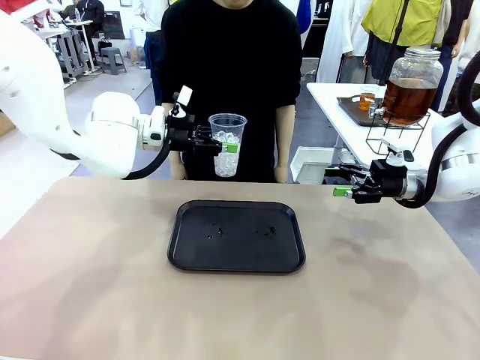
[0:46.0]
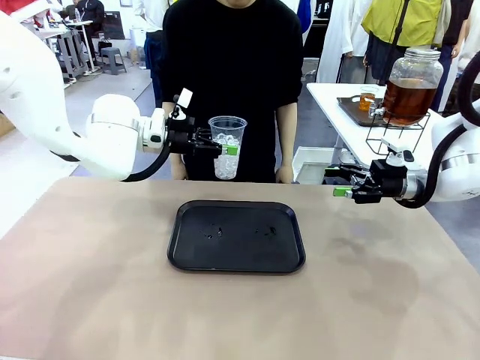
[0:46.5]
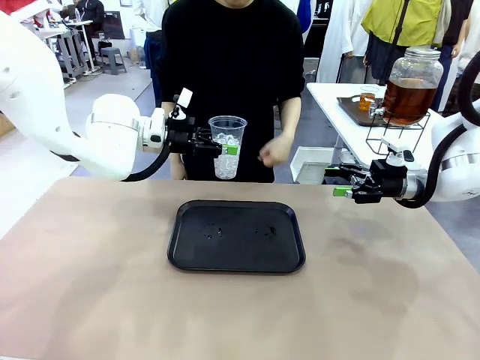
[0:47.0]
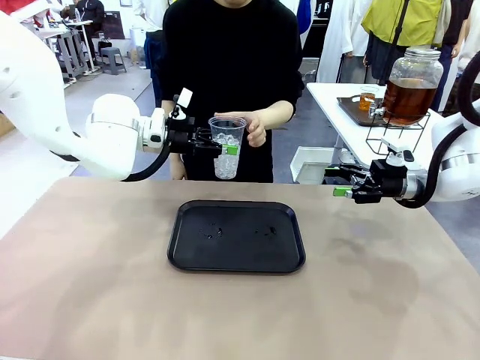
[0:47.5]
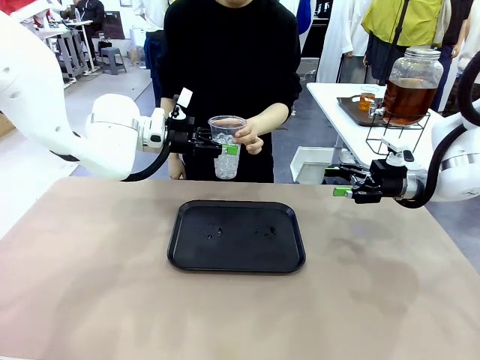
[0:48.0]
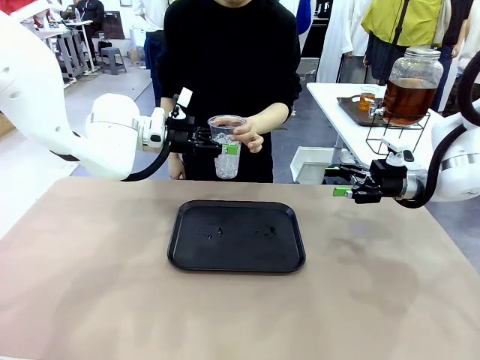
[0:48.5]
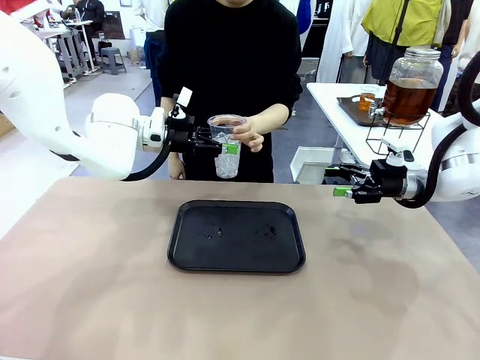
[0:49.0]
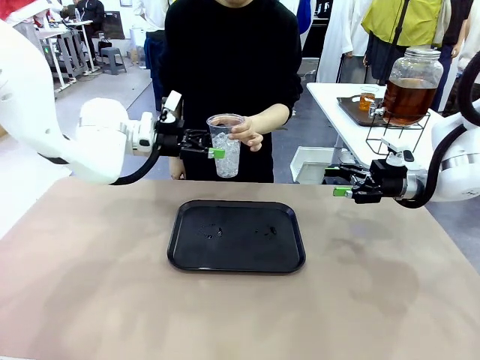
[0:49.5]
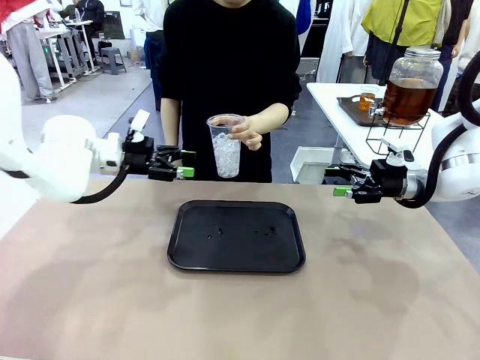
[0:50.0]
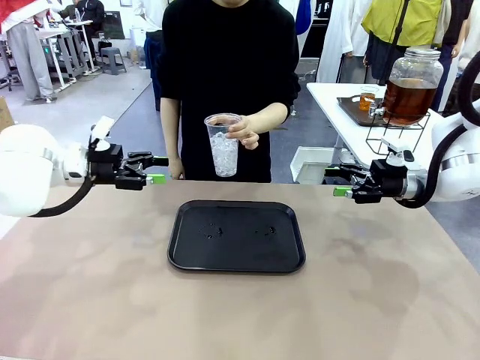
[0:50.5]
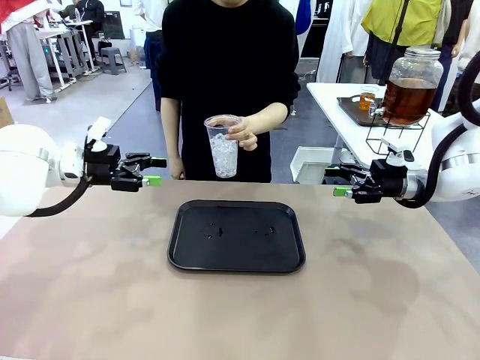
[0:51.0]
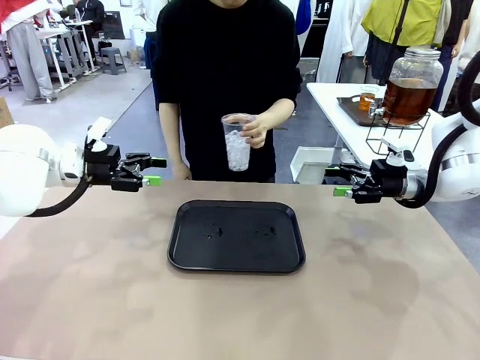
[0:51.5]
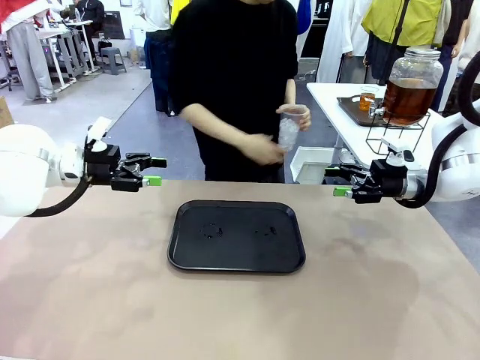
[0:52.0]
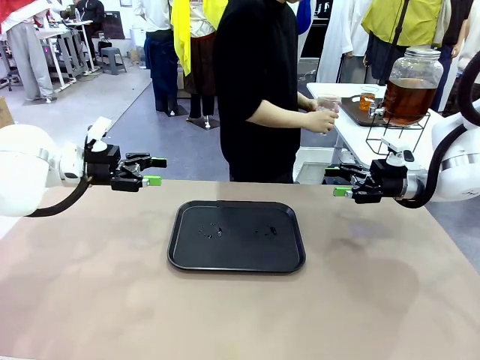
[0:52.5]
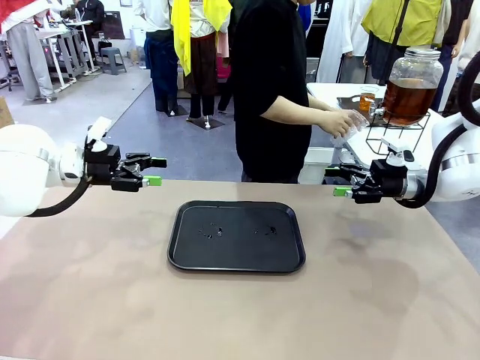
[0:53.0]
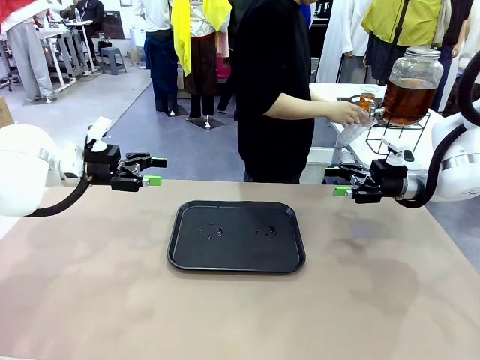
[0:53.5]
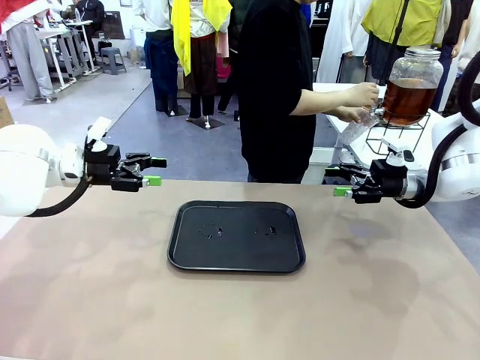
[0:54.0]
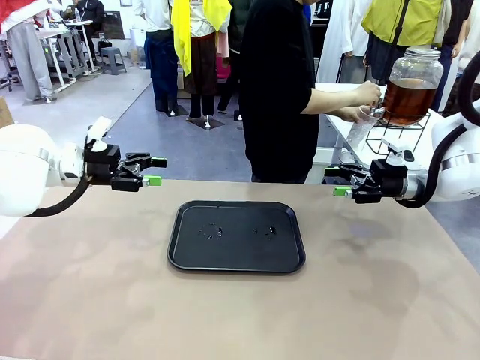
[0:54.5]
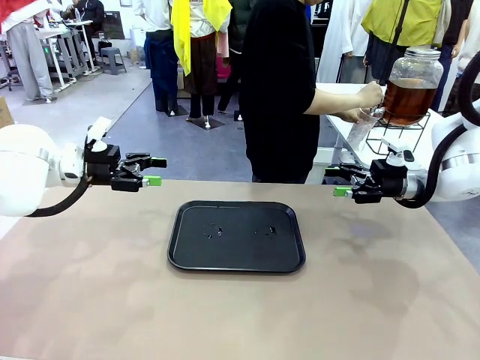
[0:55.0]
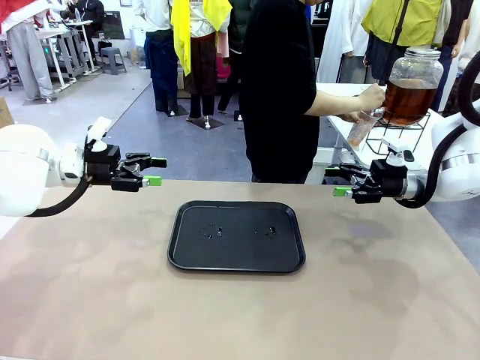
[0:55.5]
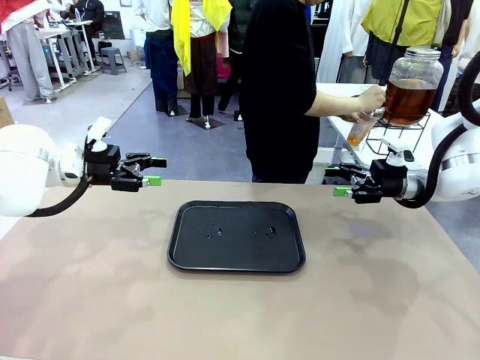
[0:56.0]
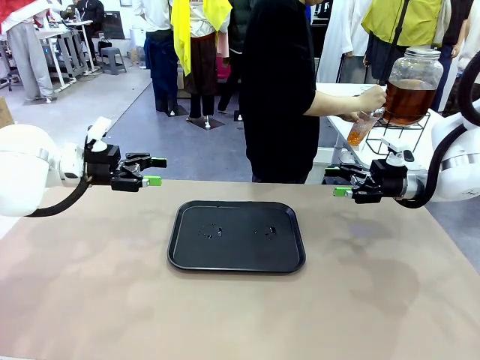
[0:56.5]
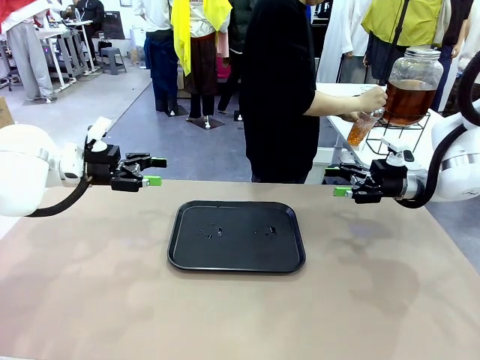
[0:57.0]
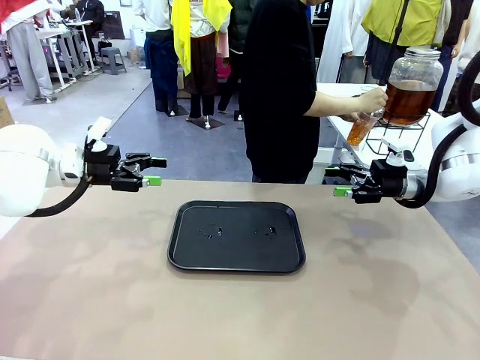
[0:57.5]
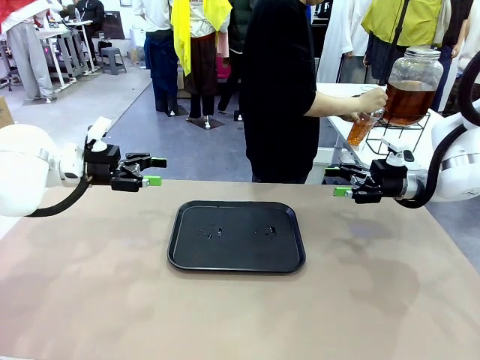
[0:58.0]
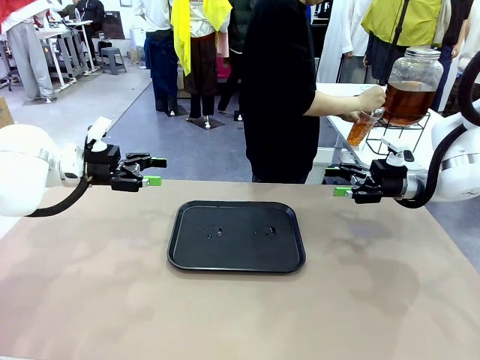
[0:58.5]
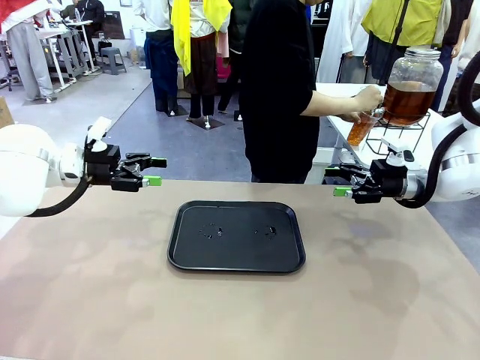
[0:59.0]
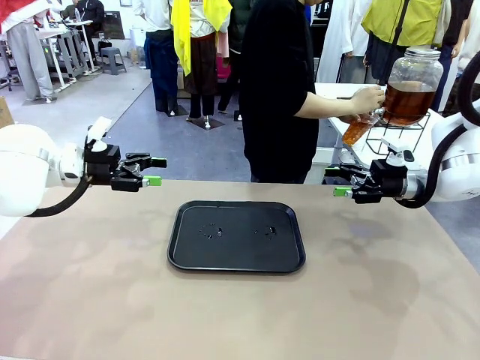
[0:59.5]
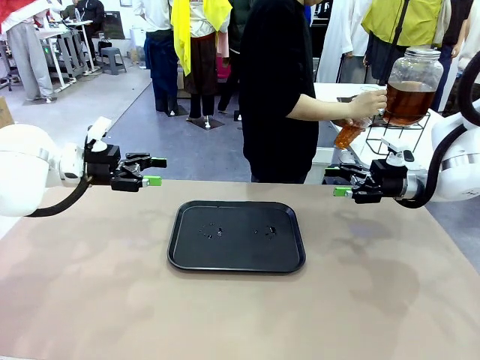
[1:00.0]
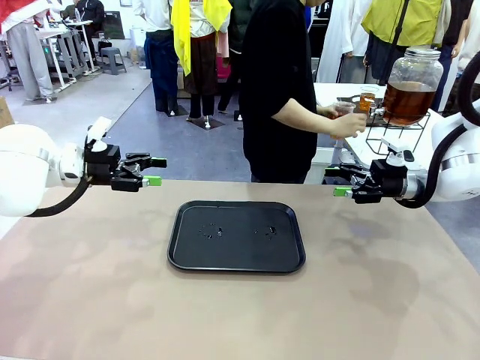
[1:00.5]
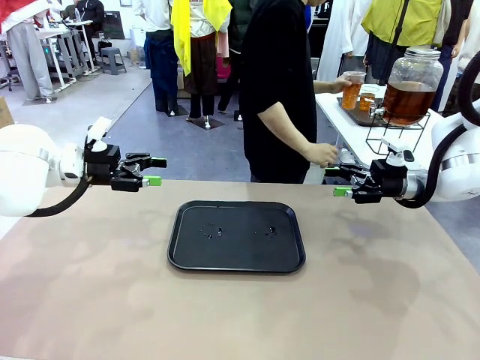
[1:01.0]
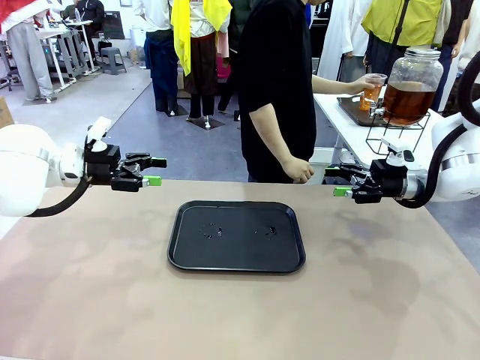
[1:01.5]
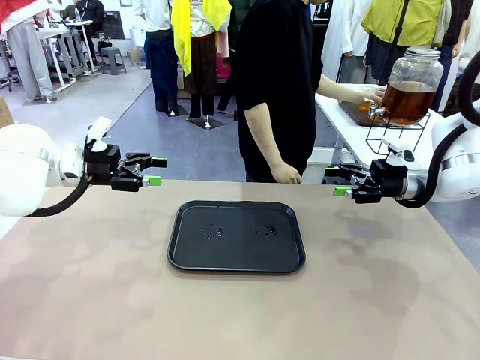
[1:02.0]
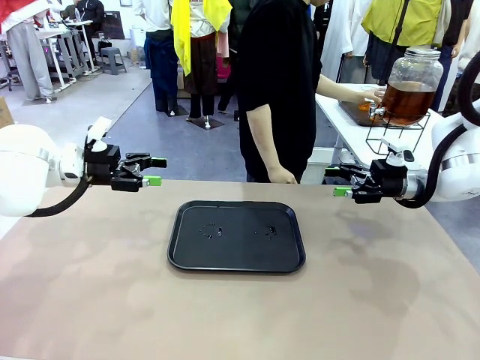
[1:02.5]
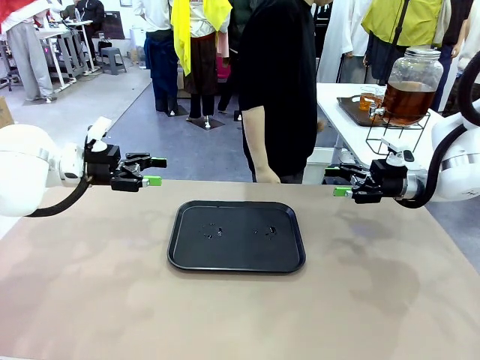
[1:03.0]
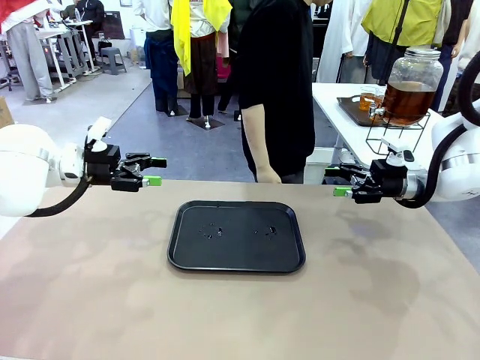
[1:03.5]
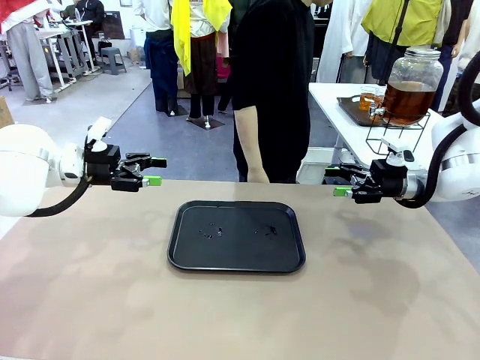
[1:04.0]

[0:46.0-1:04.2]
Task: Pour the drink into the iced cup.
Robot: Open the gripper to release the iced cup you were holding.
Person: Move the picked-up cup under the dispenser faucet, pour the drink, and place it on the tray on the human table.

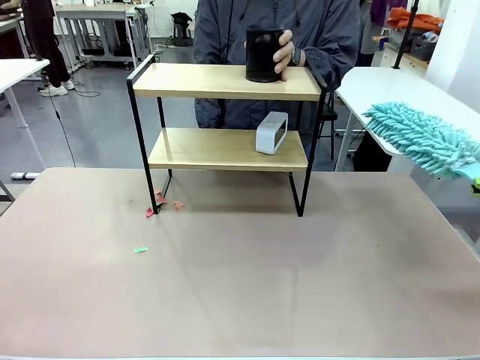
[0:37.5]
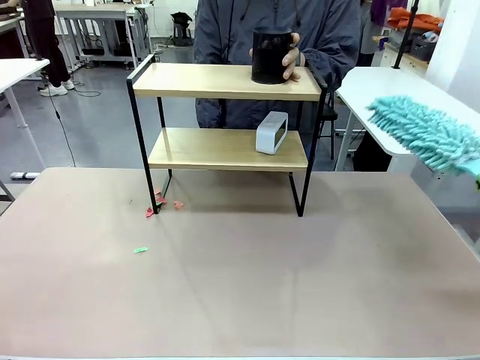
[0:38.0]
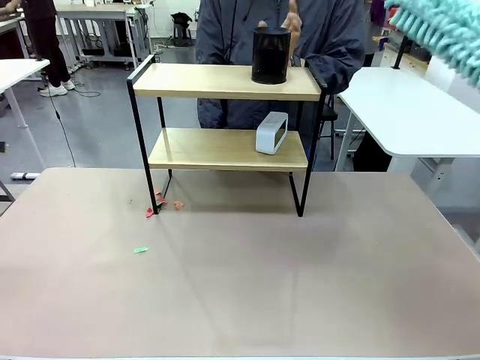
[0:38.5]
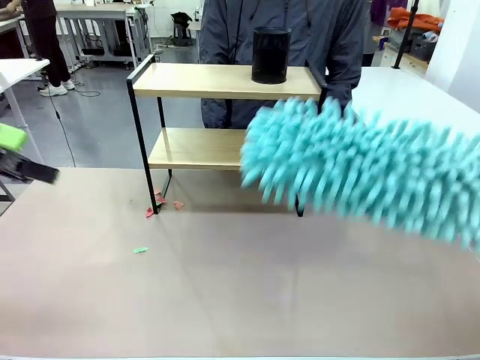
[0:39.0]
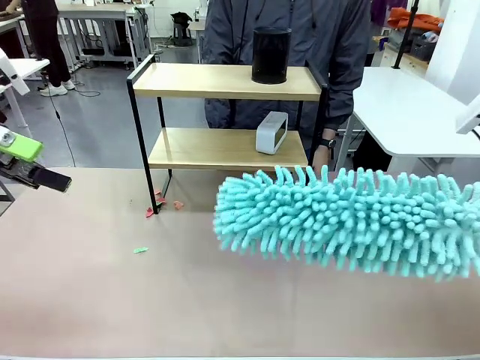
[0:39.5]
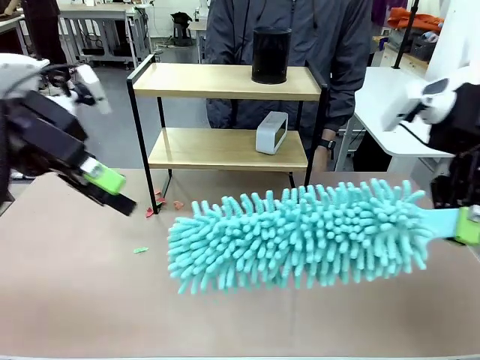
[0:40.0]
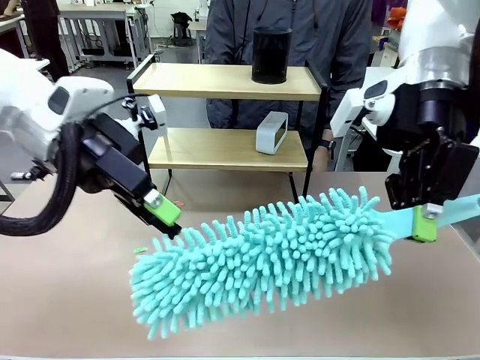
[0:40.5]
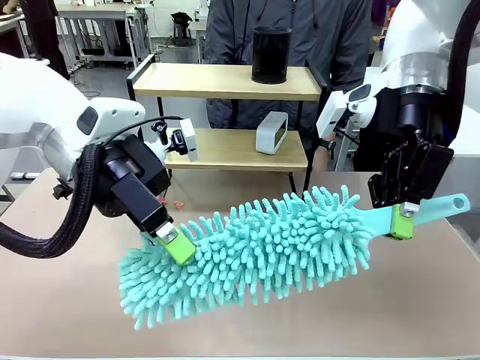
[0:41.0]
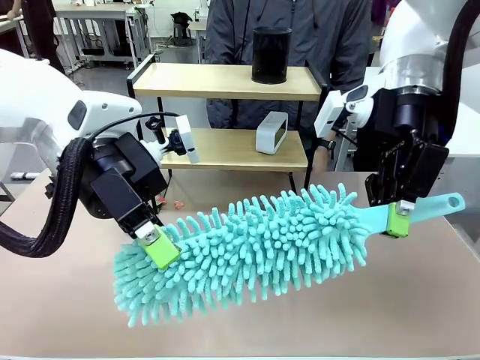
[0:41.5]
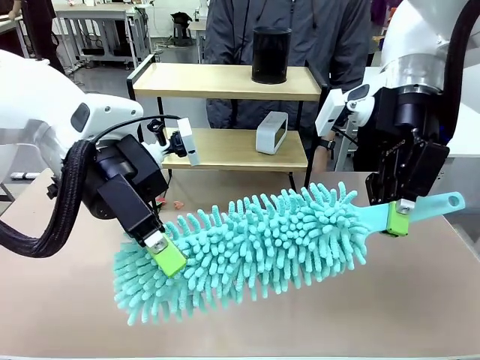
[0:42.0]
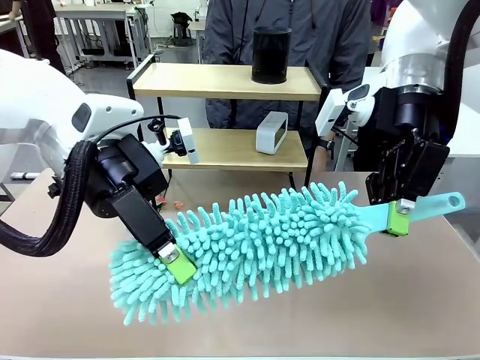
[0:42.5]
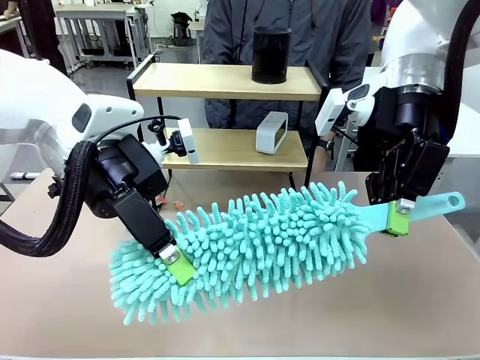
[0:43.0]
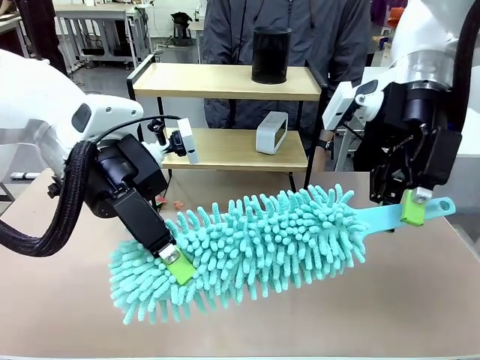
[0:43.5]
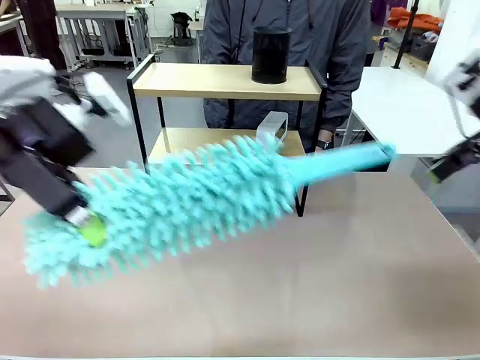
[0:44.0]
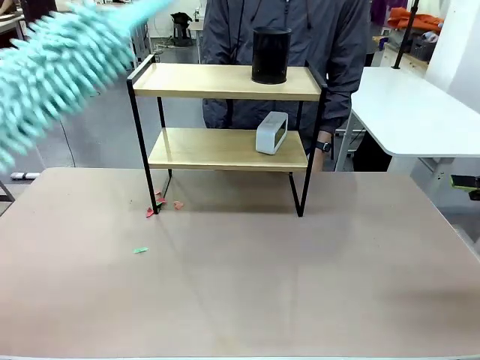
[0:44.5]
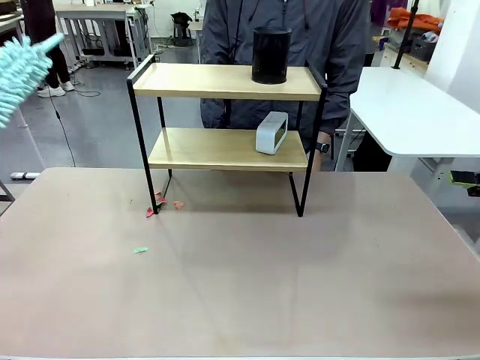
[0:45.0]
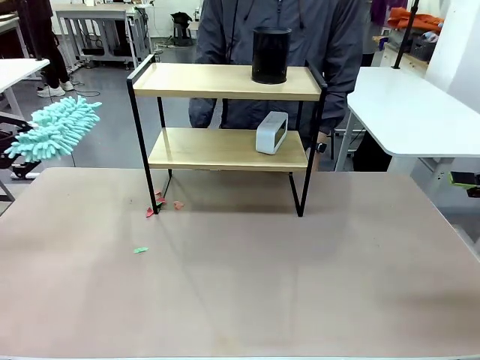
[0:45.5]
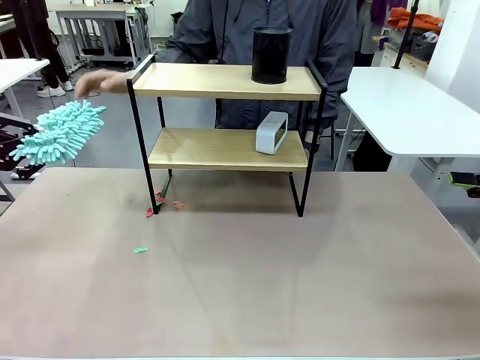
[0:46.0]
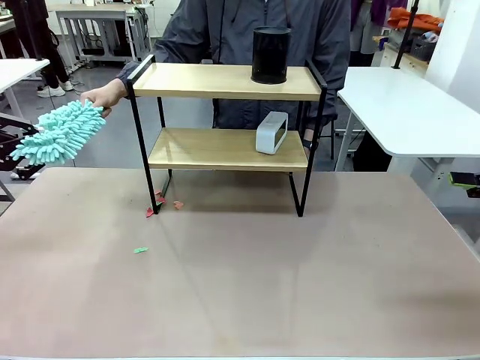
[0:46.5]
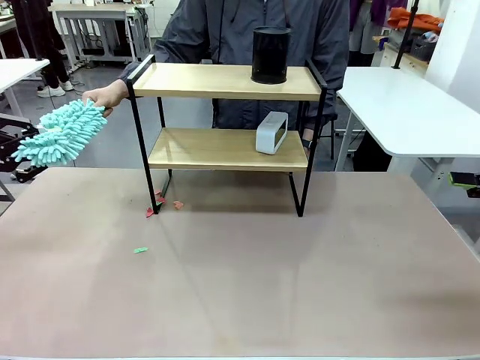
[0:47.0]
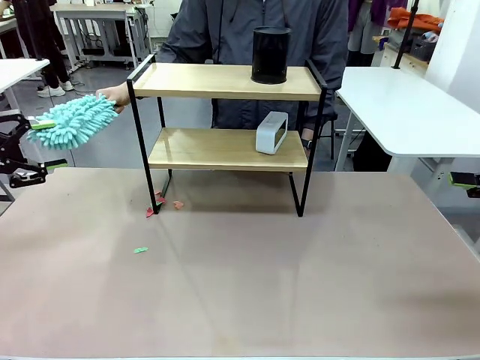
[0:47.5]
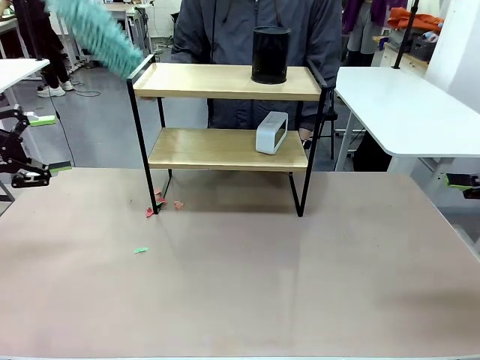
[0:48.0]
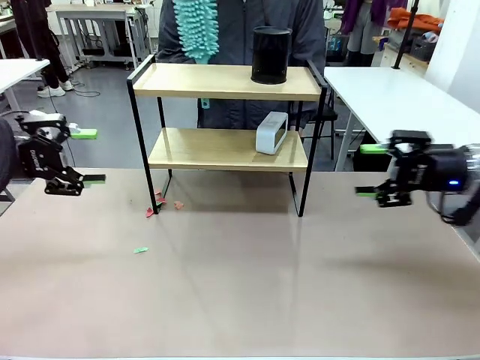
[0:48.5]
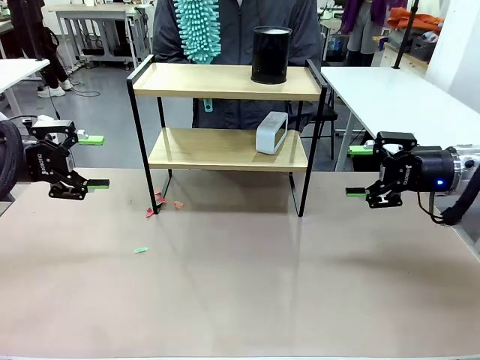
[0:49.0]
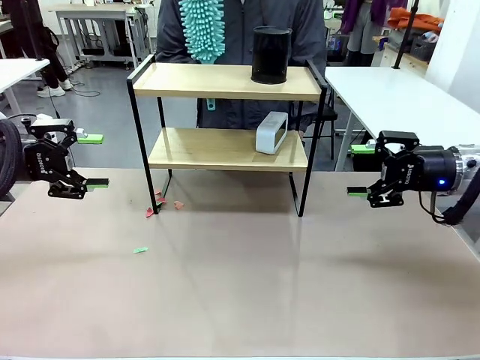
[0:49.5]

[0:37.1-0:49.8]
Task: Clean the shelf.
Robot: Hand the Duster back to the human.
